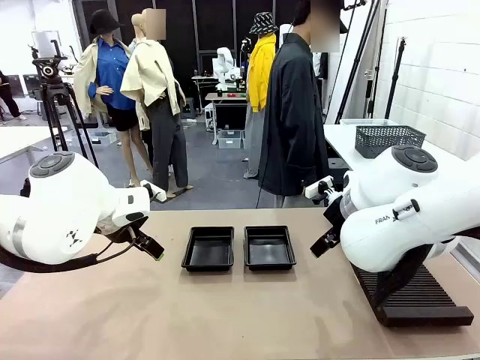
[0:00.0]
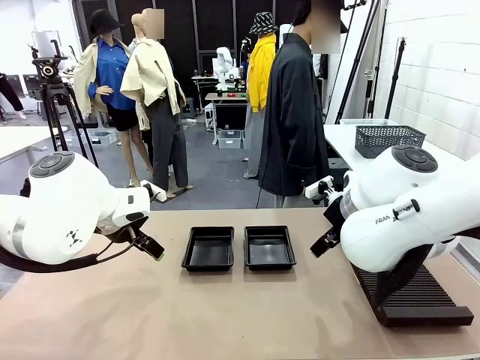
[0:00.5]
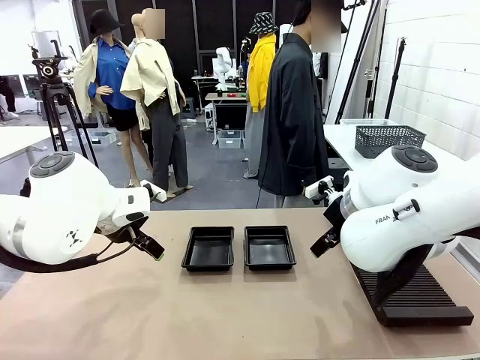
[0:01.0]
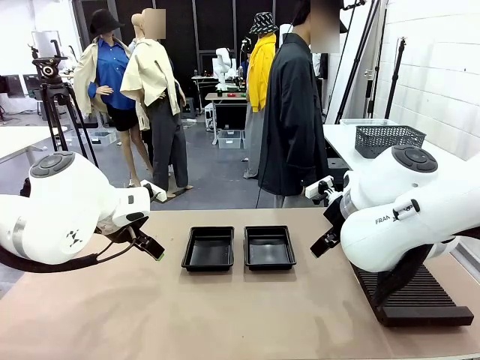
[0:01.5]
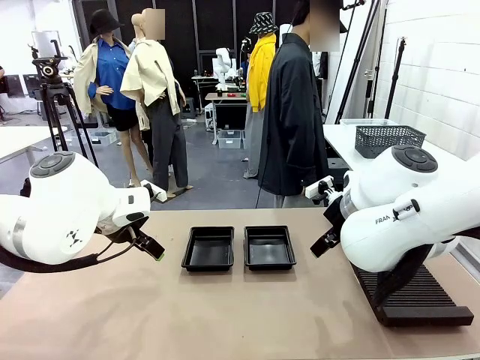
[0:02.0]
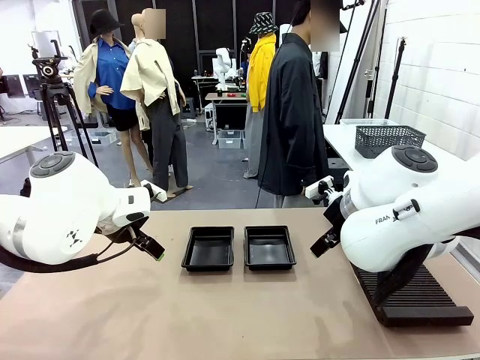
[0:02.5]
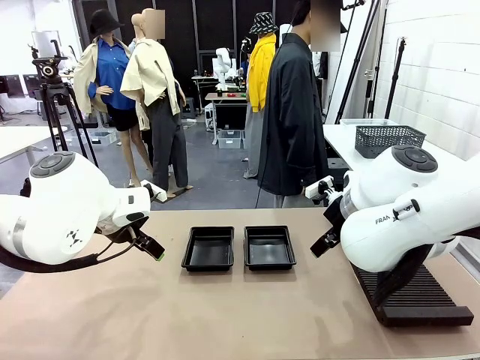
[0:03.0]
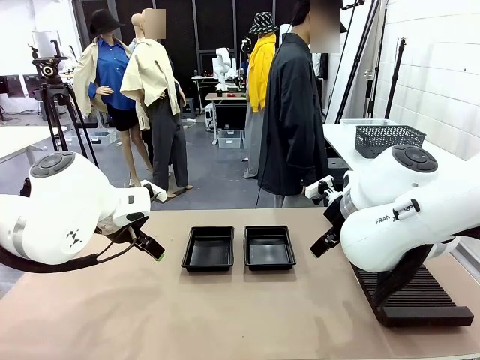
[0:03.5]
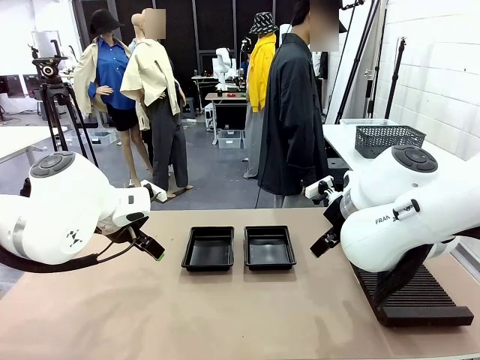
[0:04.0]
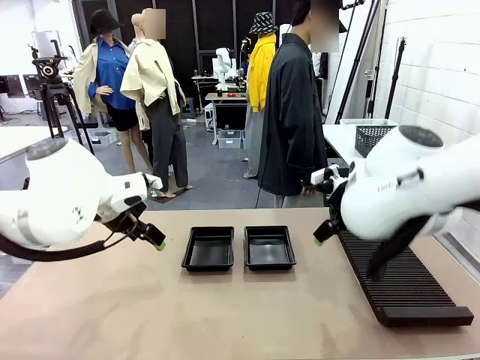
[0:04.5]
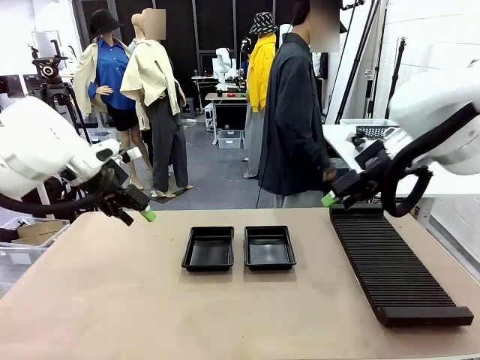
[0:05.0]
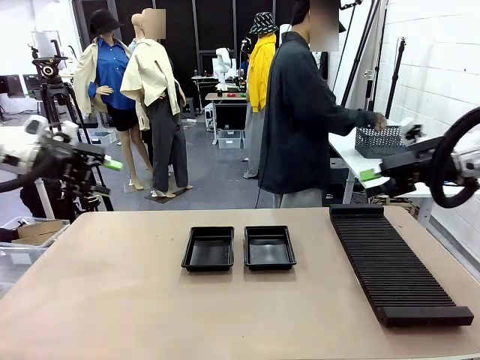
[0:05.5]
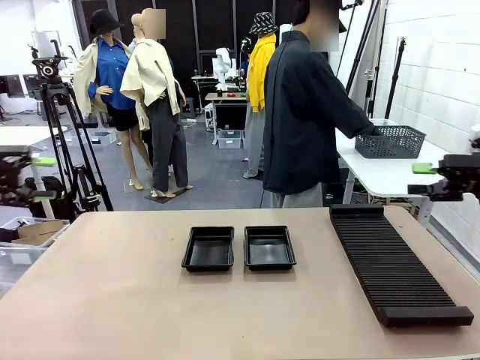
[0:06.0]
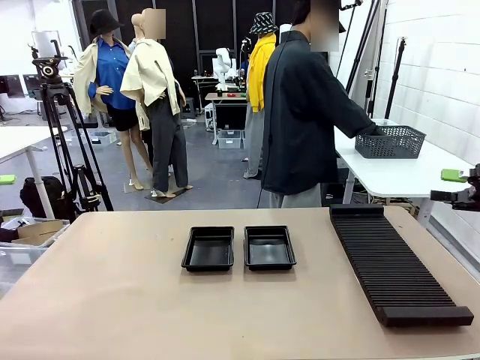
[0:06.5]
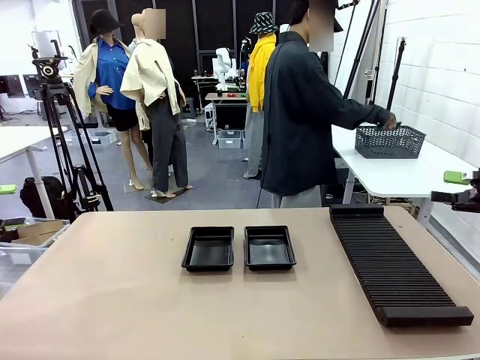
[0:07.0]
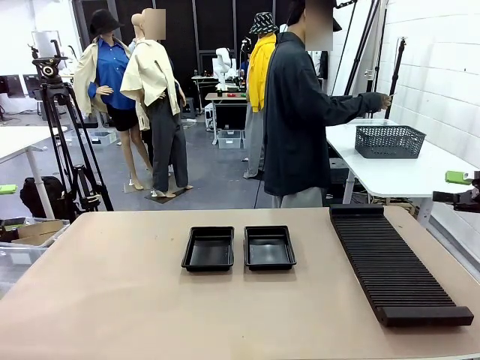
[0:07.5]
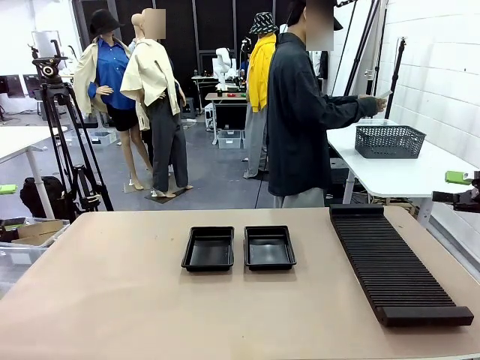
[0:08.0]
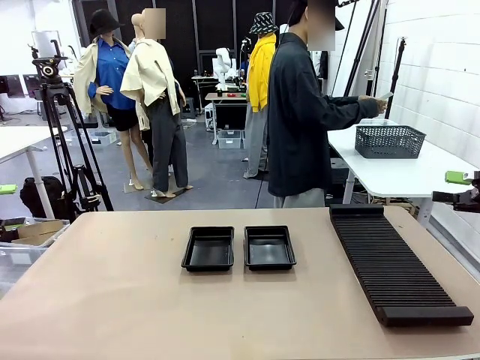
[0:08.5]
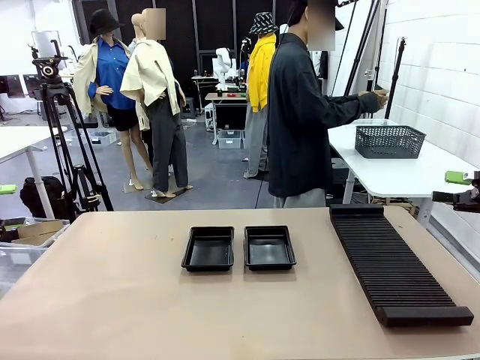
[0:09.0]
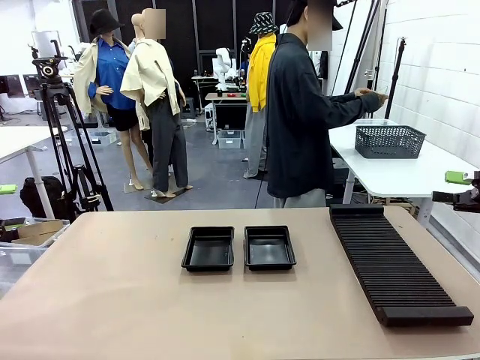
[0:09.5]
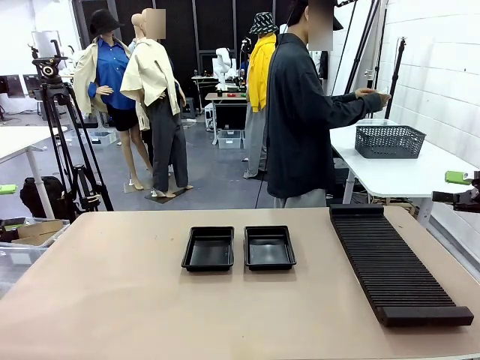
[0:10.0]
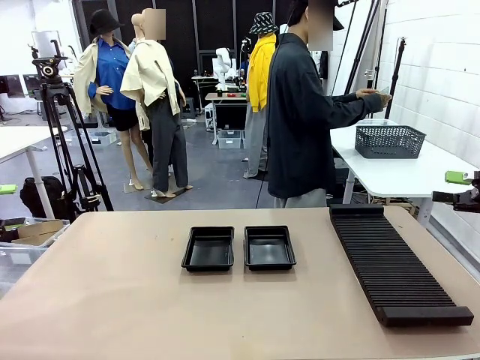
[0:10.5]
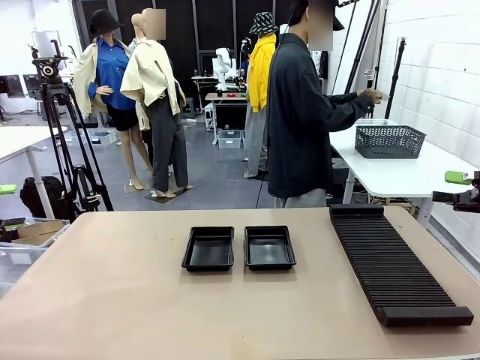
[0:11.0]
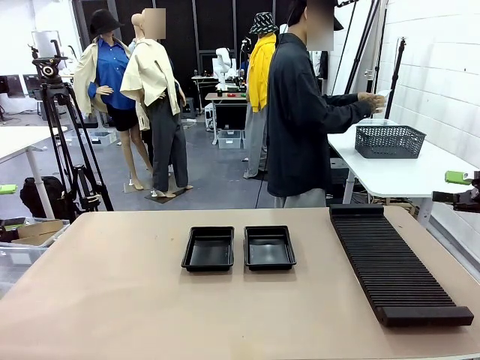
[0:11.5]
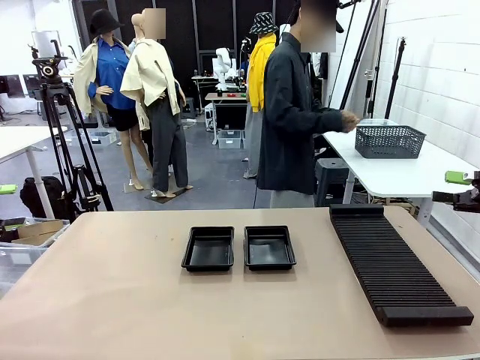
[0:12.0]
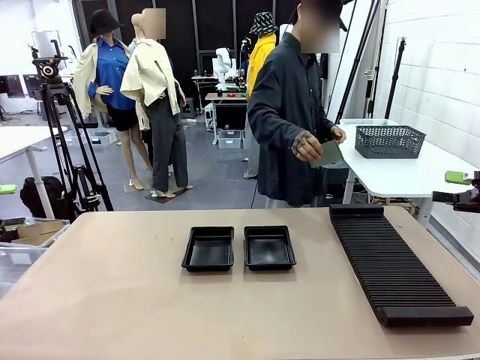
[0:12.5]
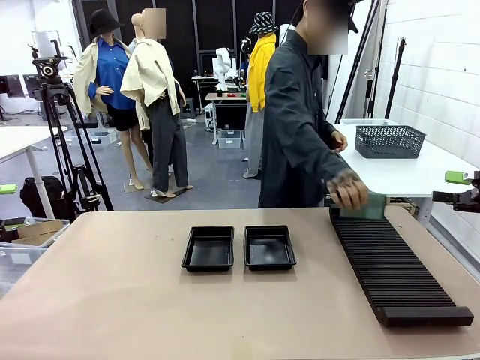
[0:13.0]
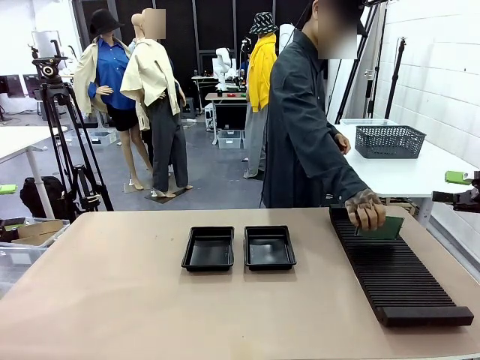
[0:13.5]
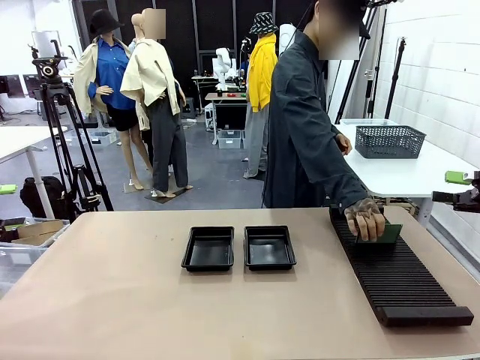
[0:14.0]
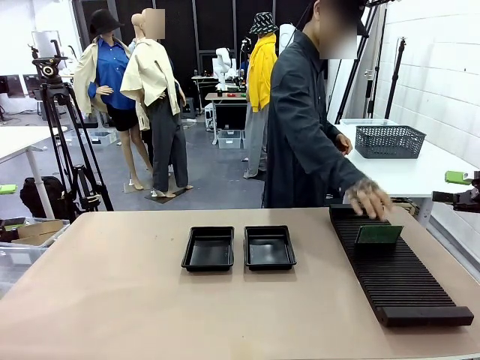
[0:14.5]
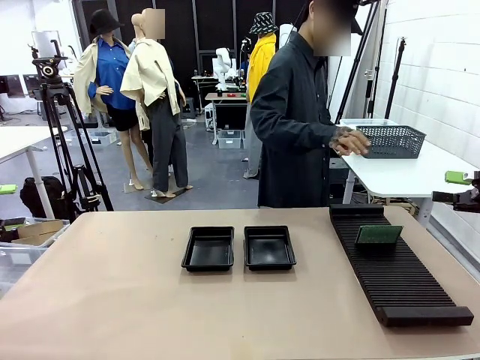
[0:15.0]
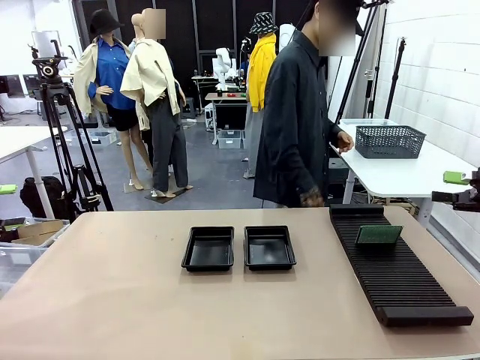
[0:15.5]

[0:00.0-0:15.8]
Task: Inspect and transfer BCBs to ESD trays.
Robot: Pick up the Blank PCB from the PCB Rack and place it in the left ESD tray.
